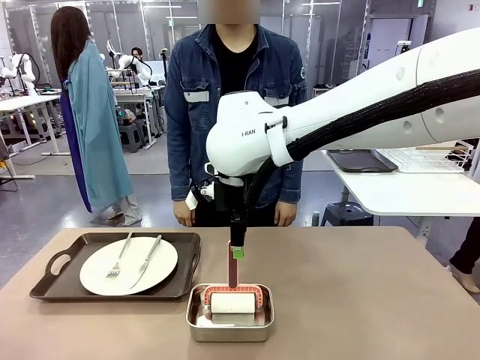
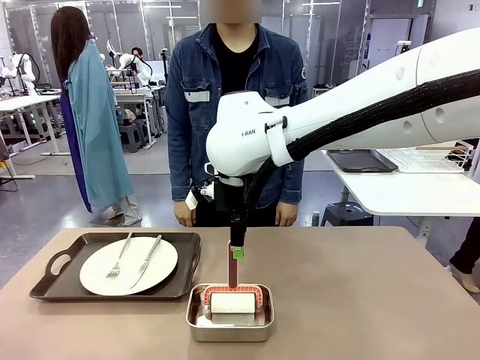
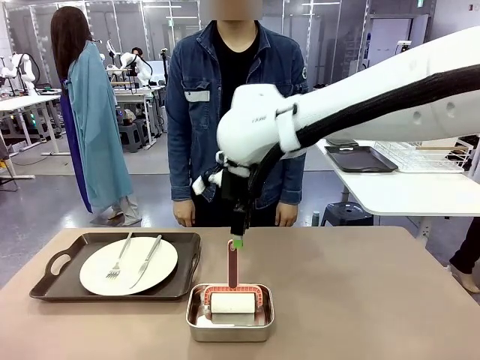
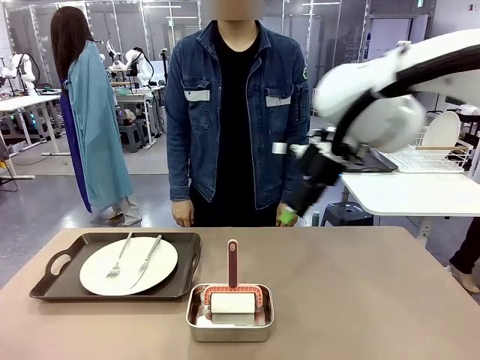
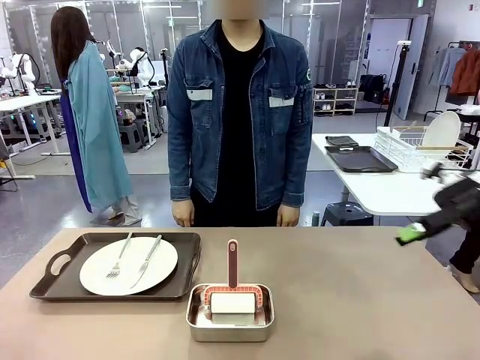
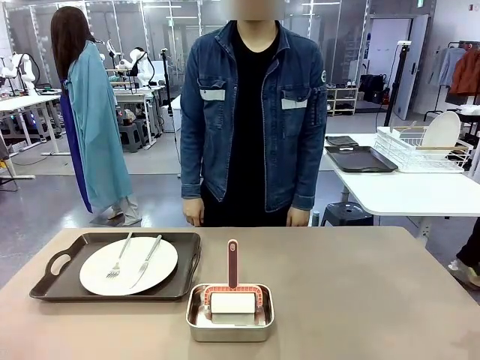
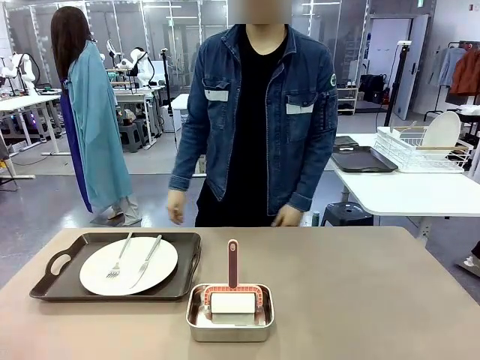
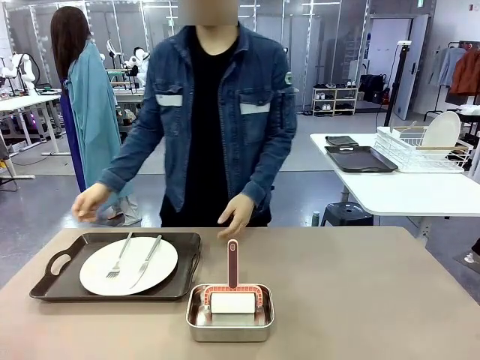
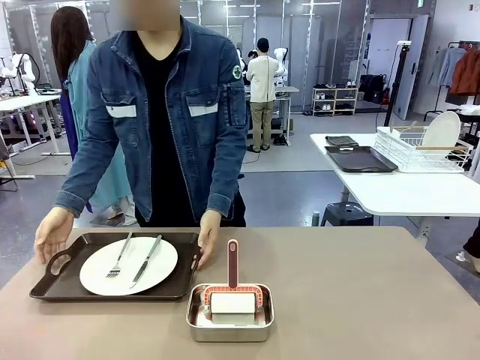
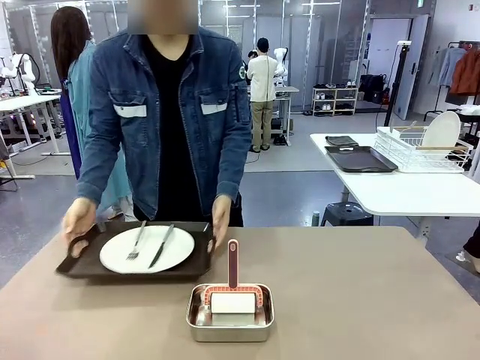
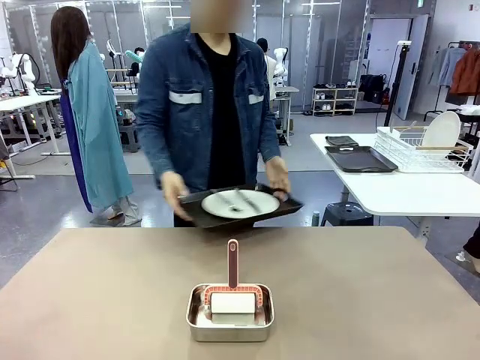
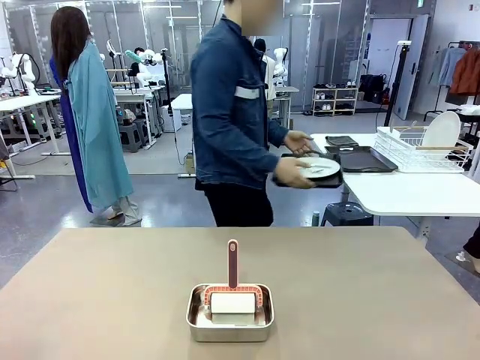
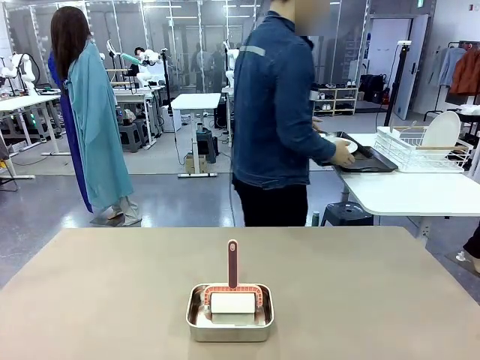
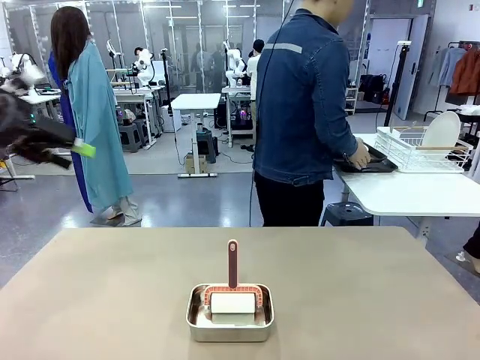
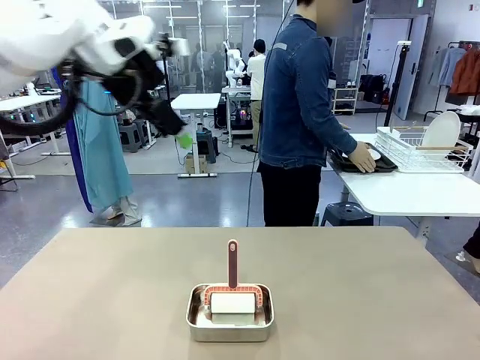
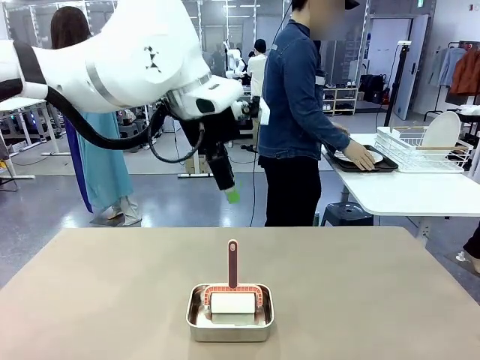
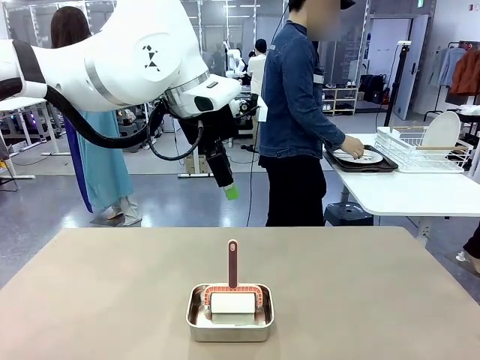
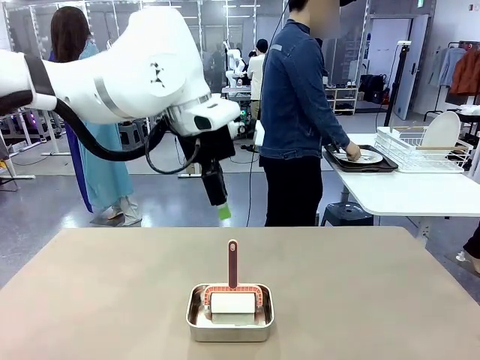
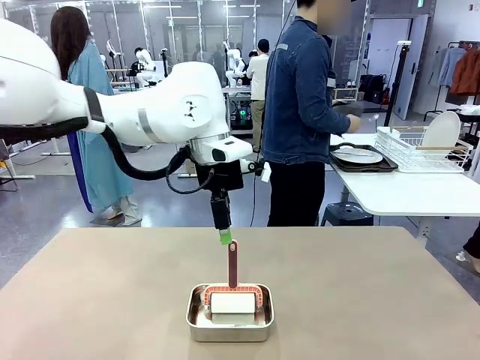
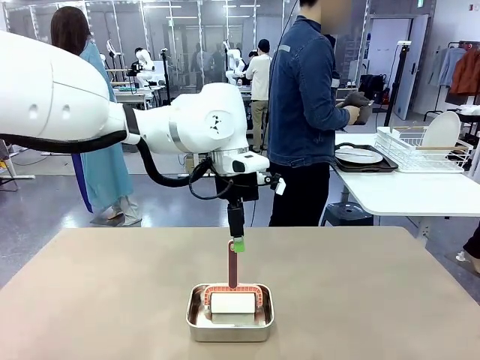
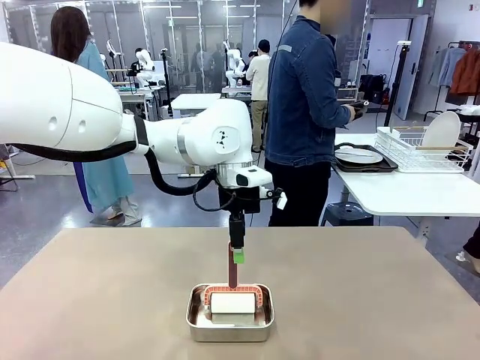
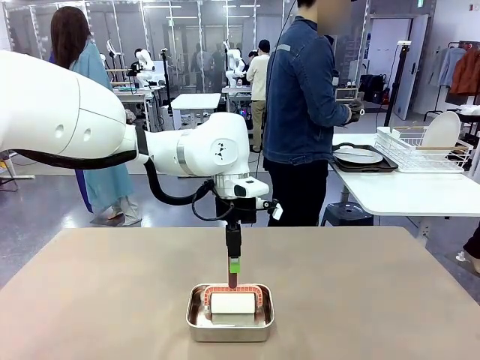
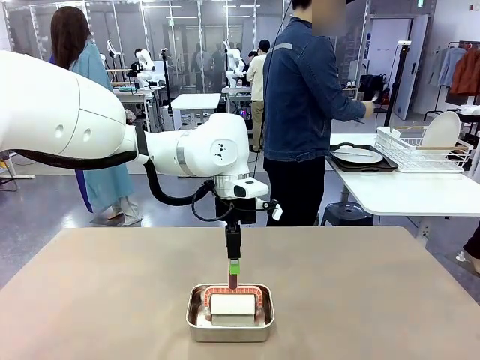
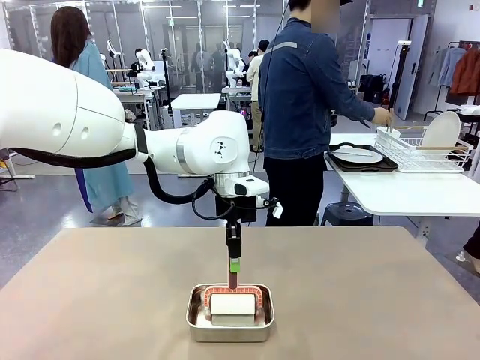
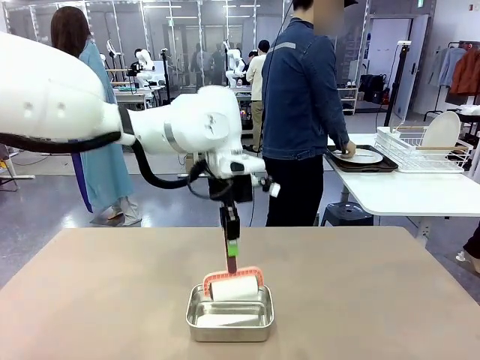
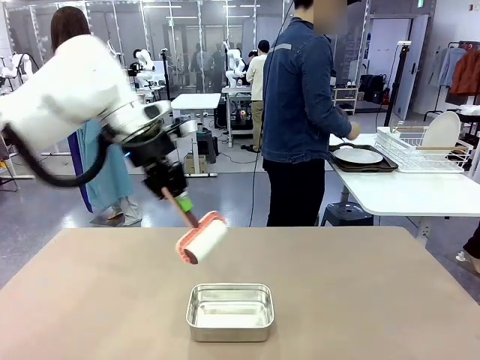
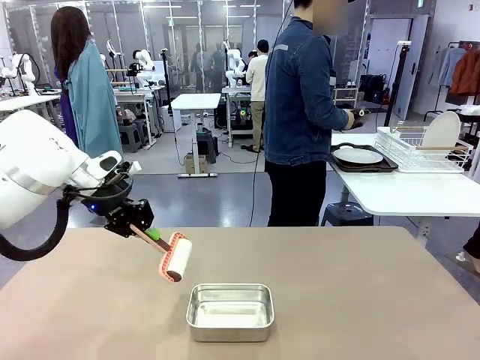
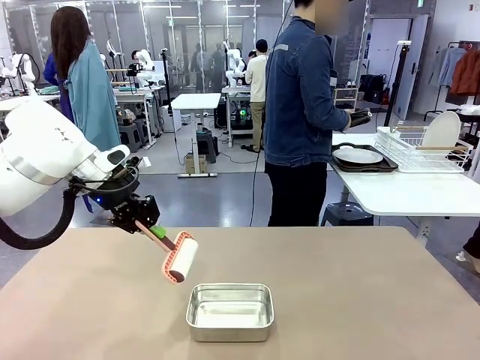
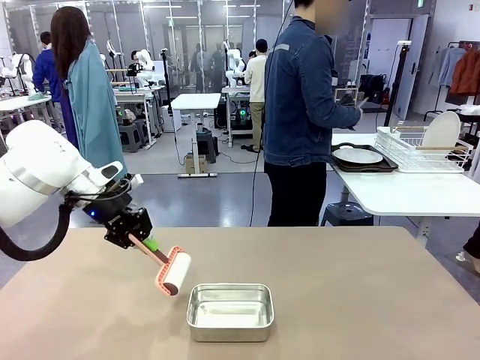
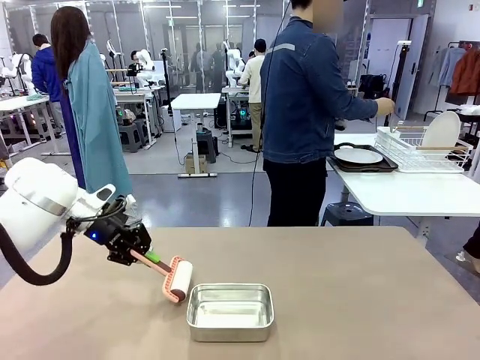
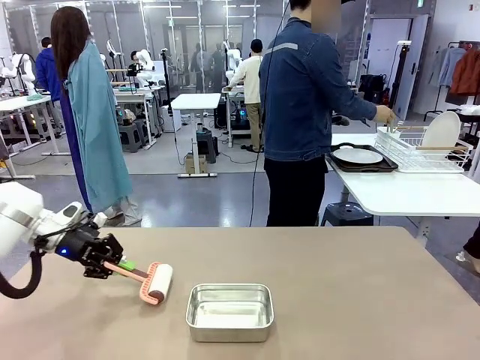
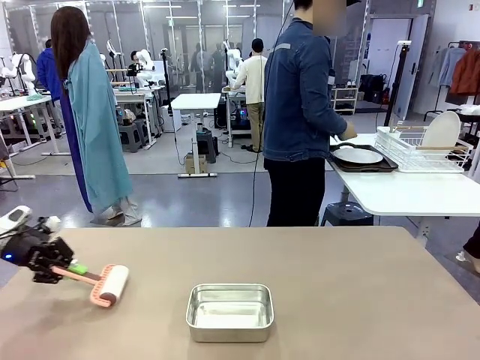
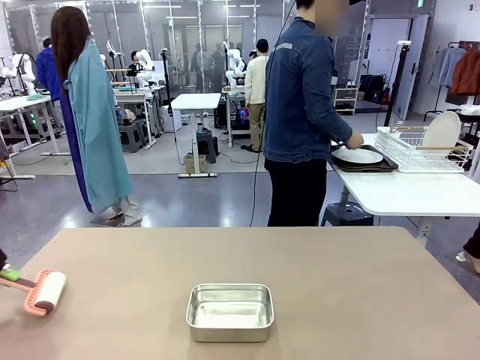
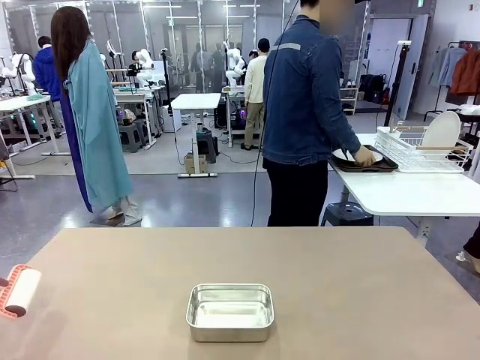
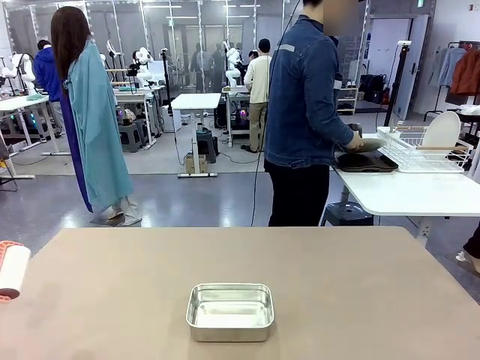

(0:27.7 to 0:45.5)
Robot: When the right (or left) Handle tray is removed, use the right hand (or left hand) to clean the right (or left) side of the table with the Lint Roller.
Person: Pick up the left (or right) Handle tray and place it on the Handle tray.

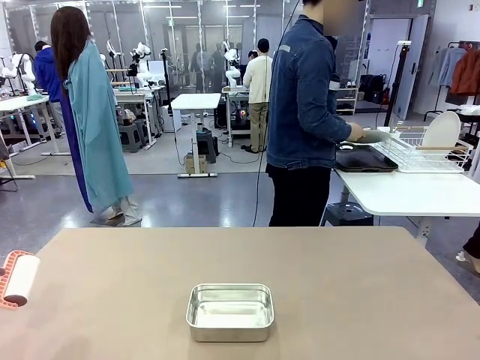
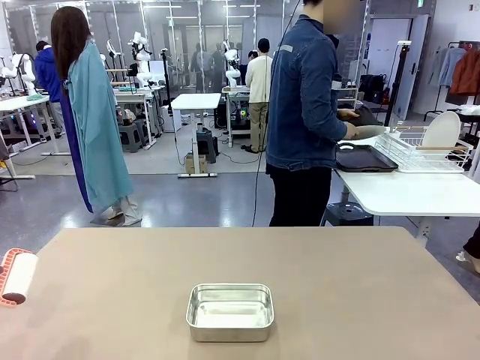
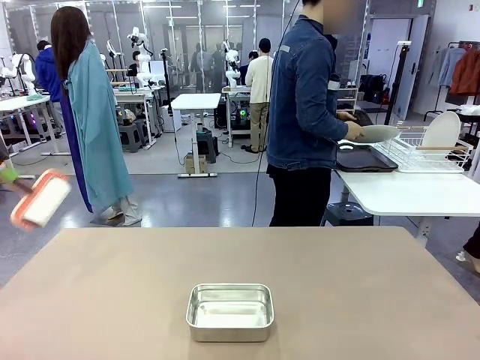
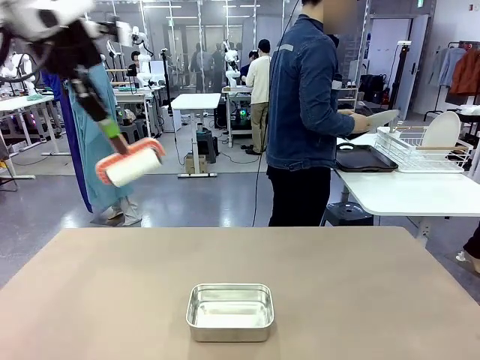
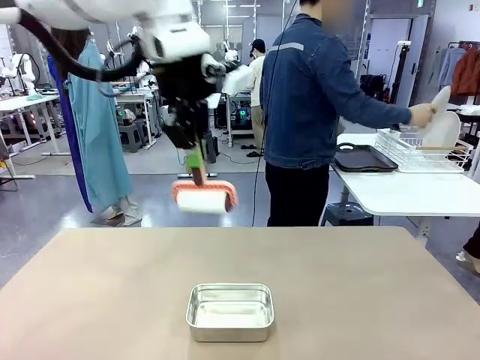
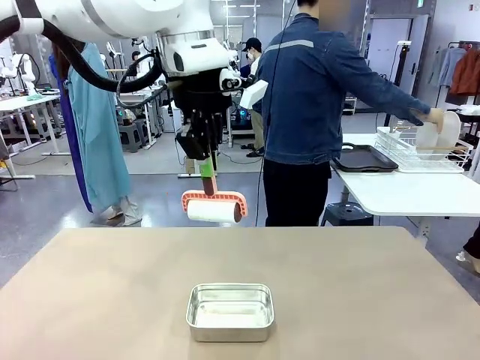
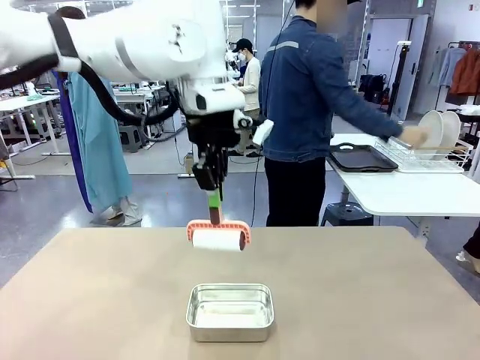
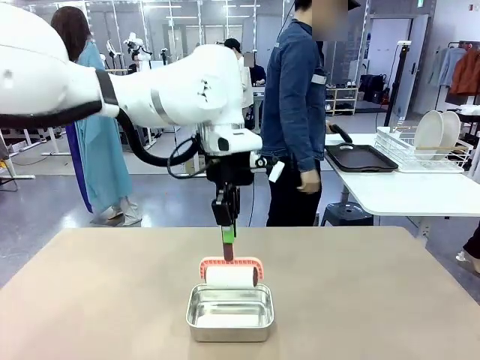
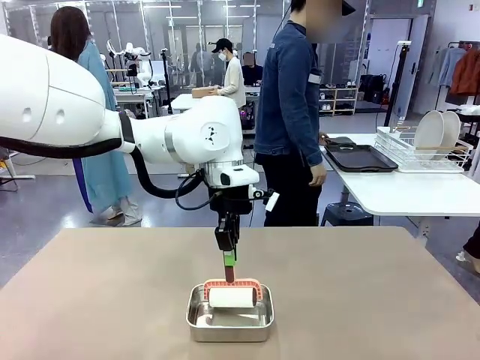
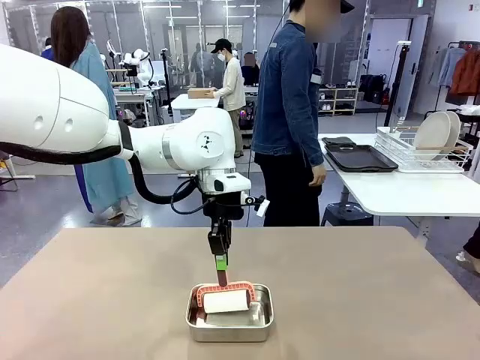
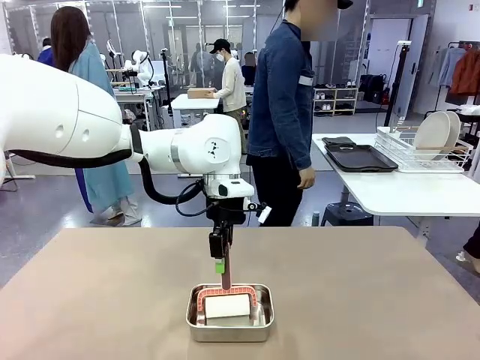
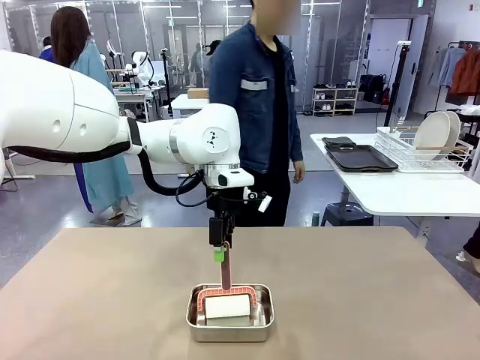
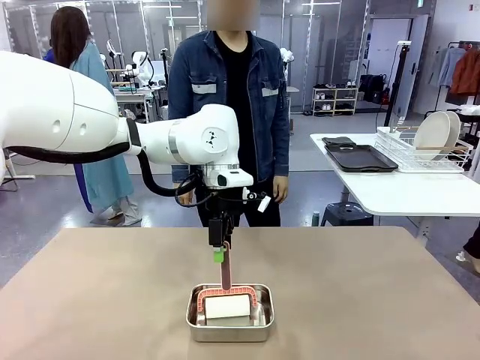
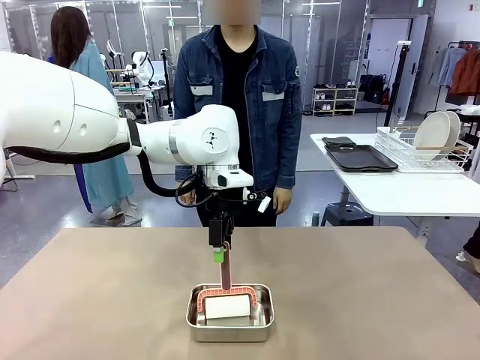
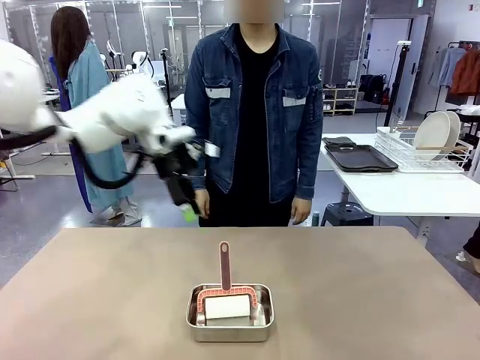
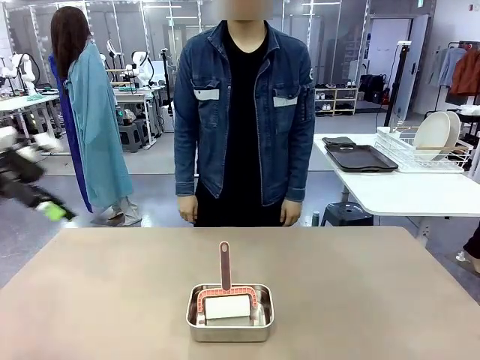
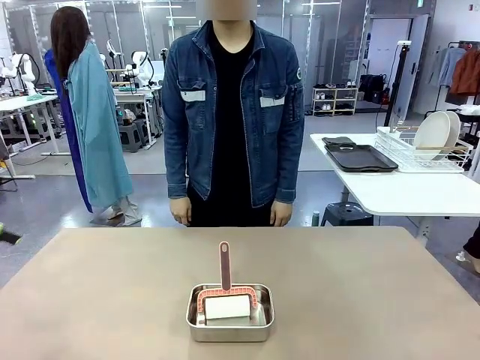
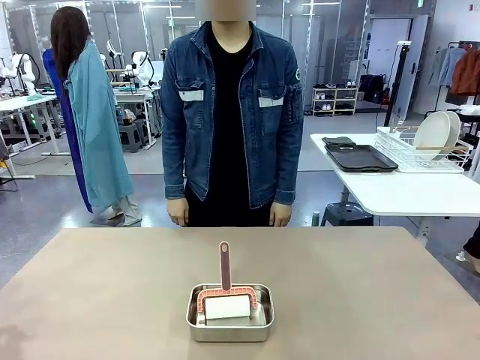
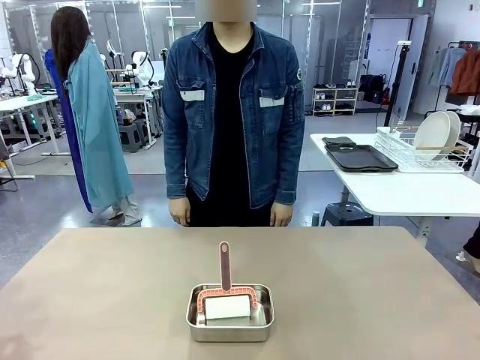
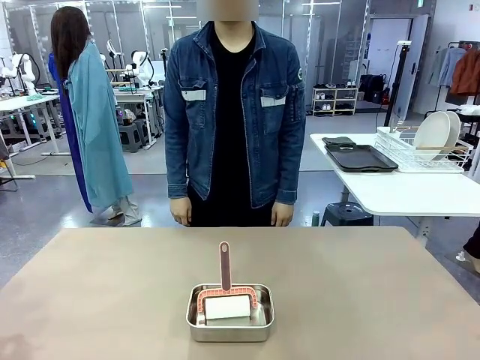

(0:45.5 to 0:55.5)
Robot: Place the Lint Roller back on top of the Airtight Container.
Person: Use the Towel with hook to wipe the Plastic Matte Plate , Fork , and Knife and place into the Dish drying rack.
